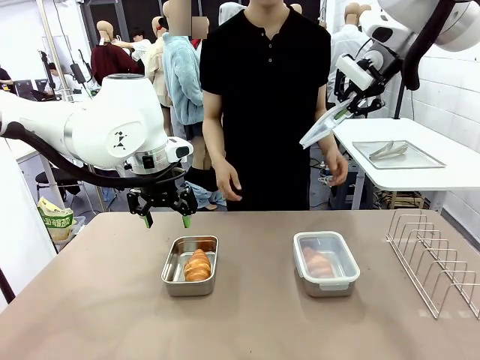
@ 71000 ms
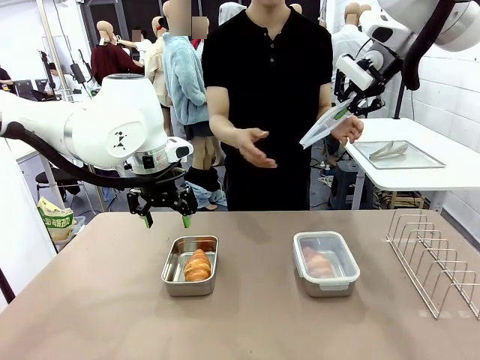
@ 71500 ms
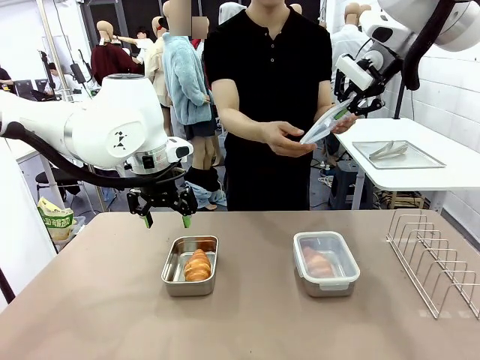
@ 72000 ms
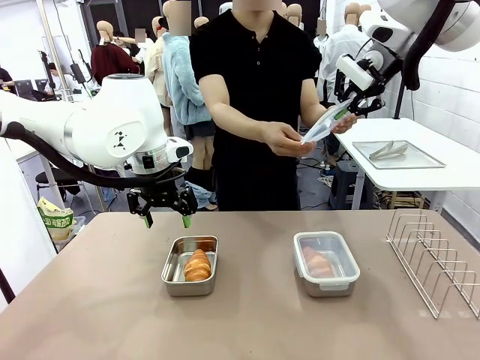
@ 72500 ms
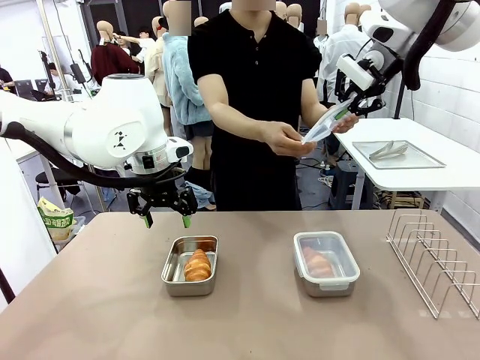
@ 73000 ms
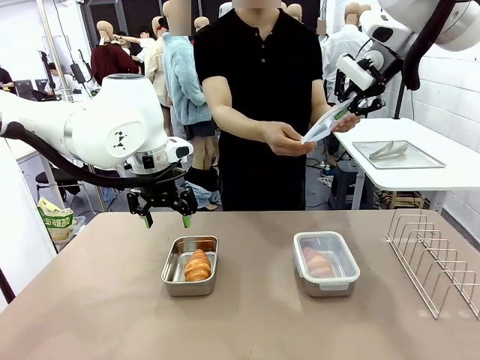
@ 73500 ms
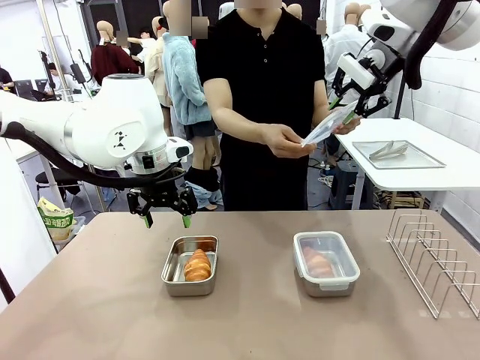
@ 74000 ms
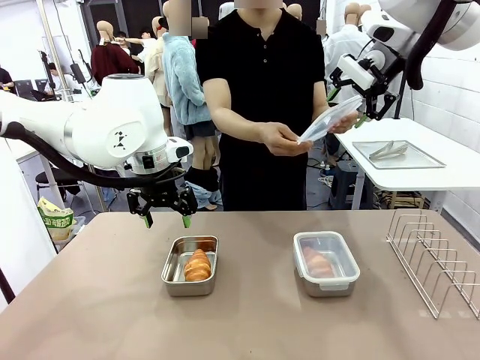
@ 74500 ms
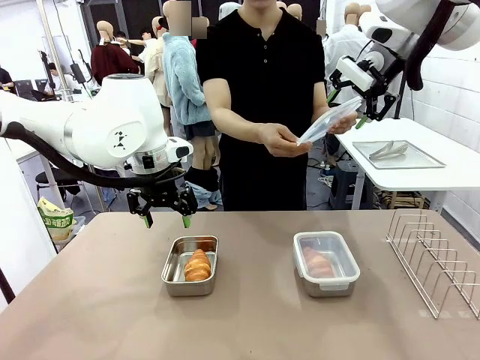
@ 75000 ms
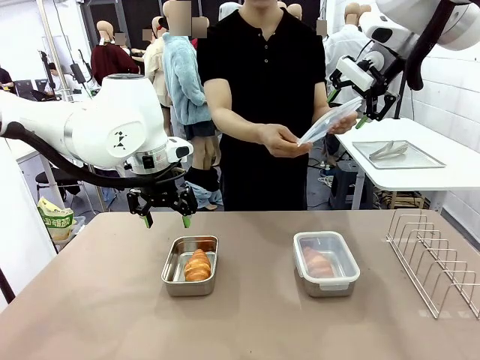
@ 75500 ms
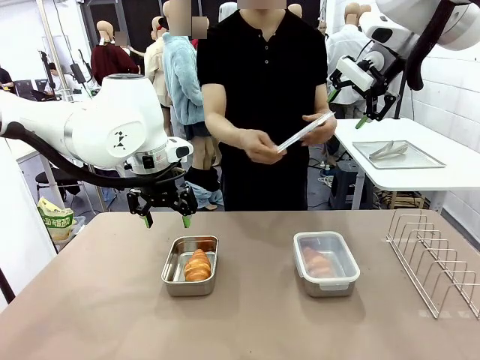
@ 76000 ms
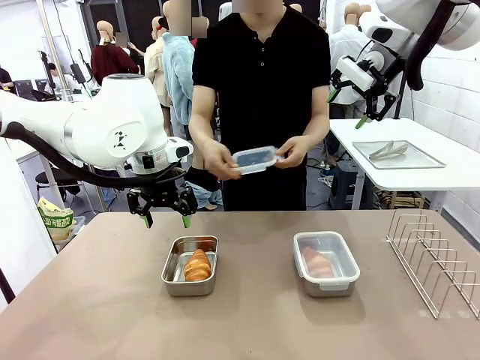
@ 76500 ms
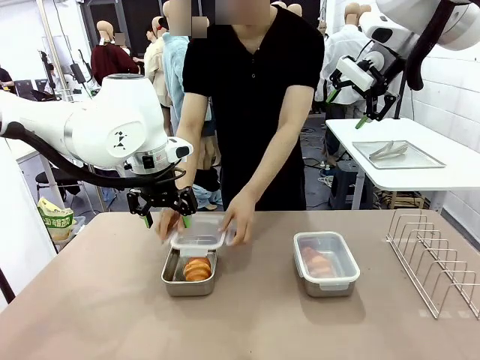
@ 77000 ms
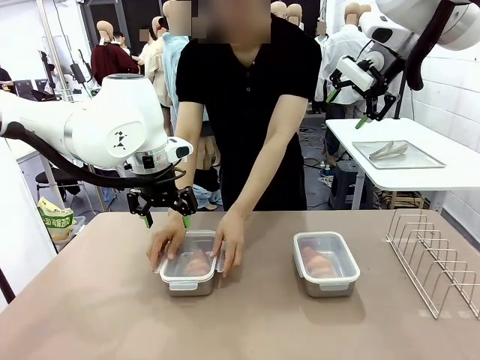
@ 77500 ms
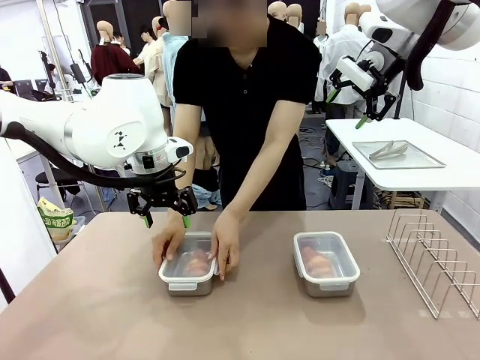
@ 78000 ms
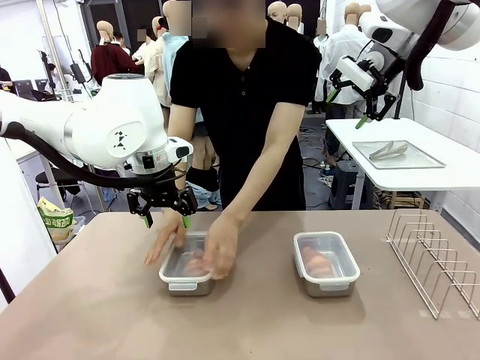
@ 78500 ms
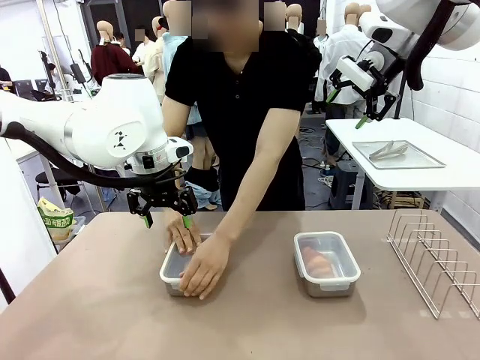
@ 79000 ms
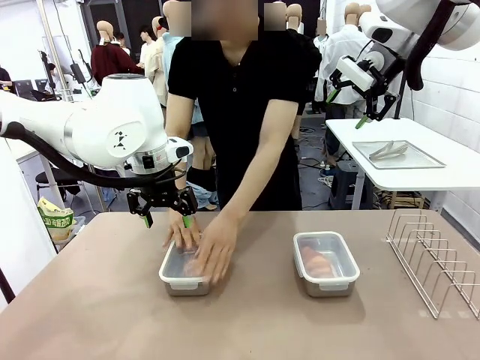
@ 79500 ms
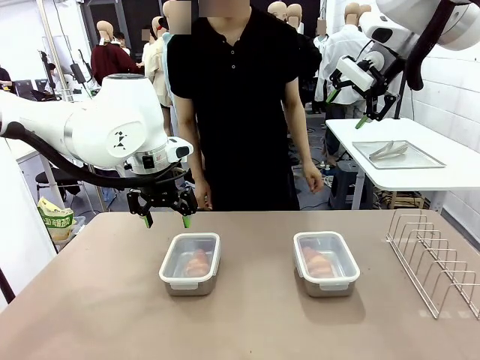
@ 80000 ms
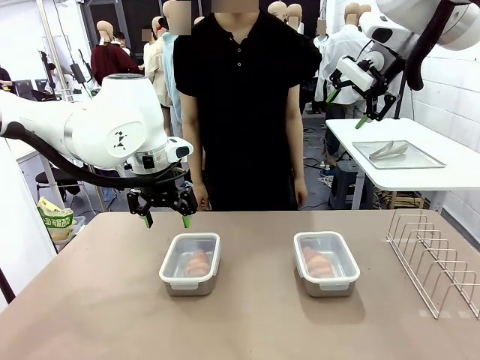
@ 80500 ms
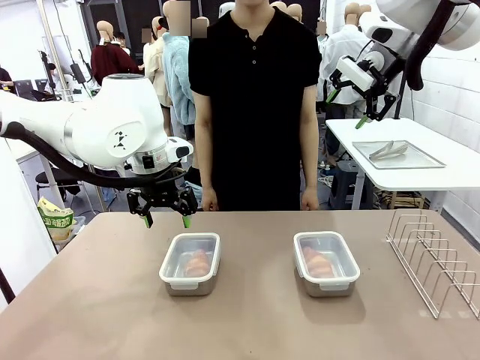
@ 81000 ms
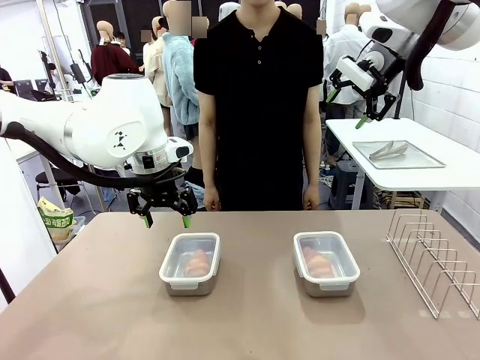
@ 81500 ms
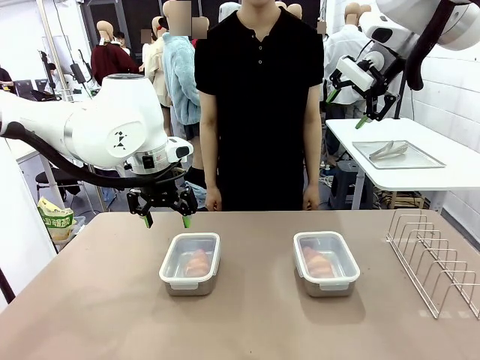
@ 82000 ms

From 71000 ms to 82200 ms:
Task: Place the bread in airtight containers.
Robot: Release when the human grabs the Airtight Container lid.
Person: Close Airtight Container with a handed Airtight Container lid.

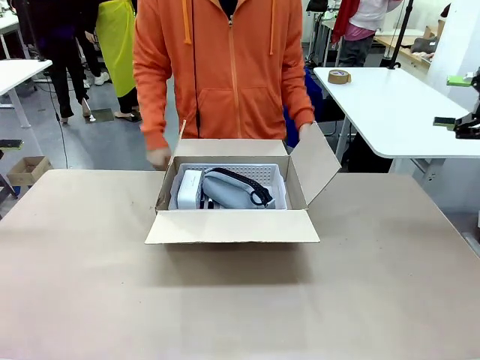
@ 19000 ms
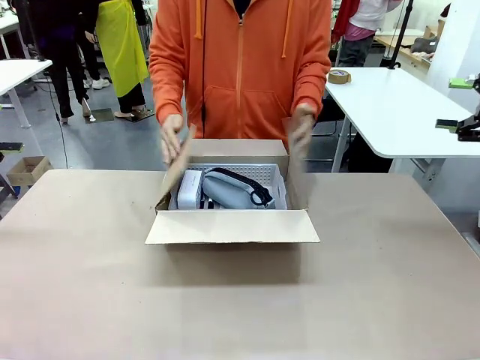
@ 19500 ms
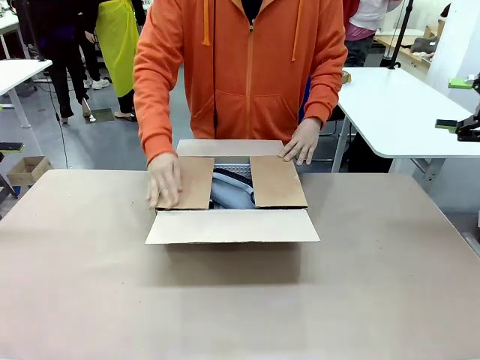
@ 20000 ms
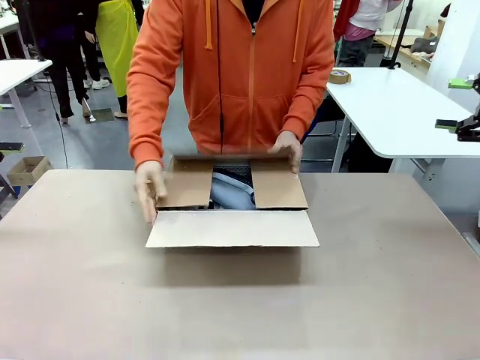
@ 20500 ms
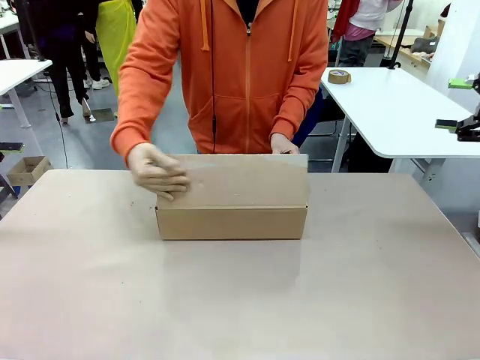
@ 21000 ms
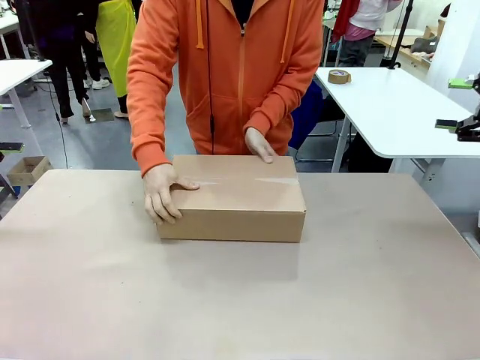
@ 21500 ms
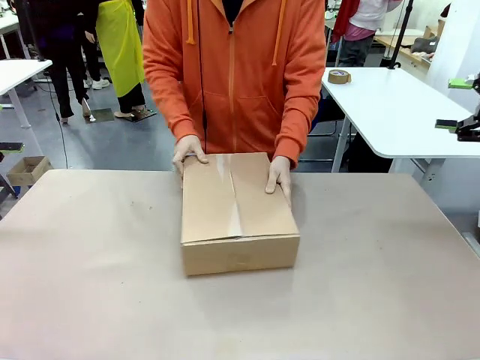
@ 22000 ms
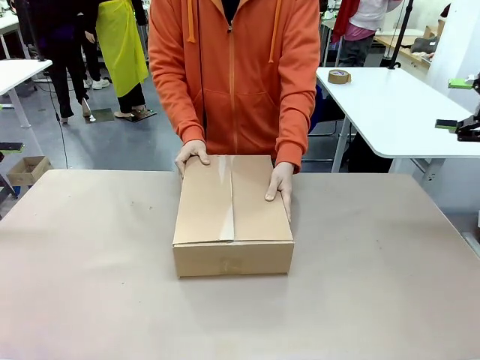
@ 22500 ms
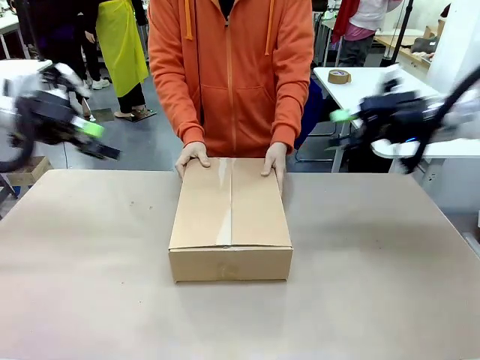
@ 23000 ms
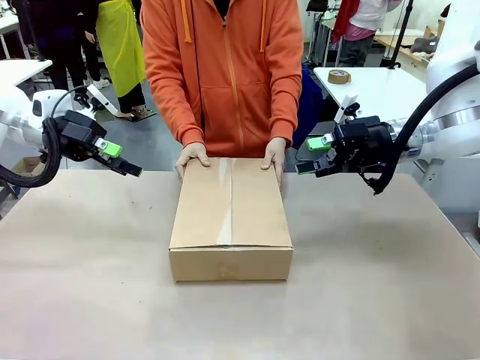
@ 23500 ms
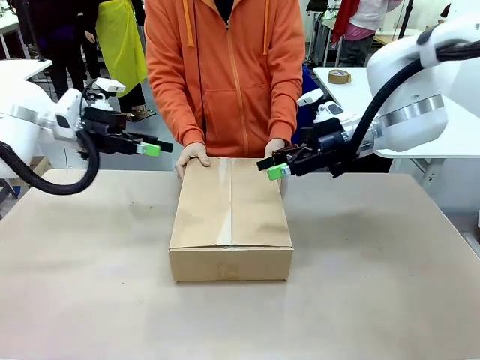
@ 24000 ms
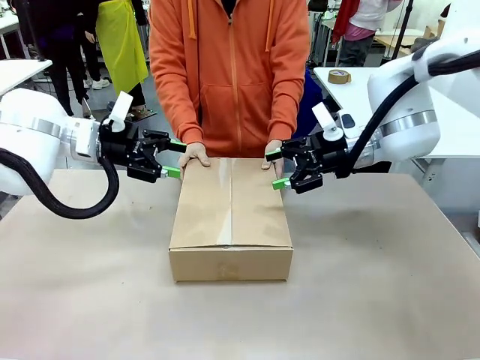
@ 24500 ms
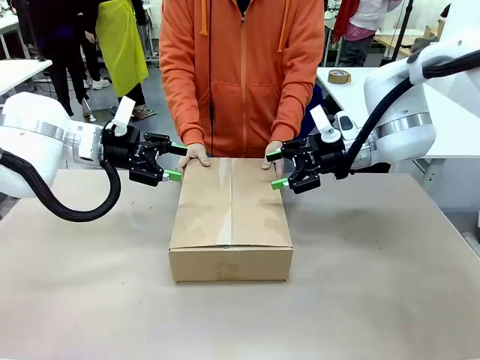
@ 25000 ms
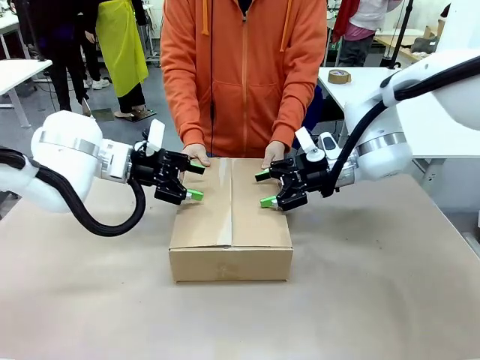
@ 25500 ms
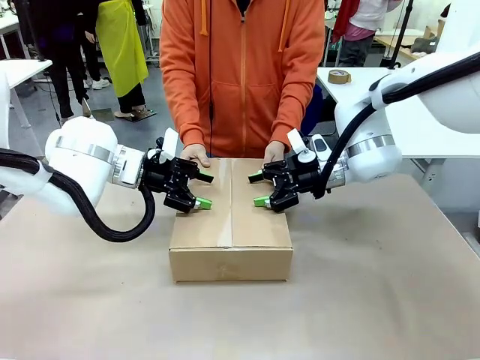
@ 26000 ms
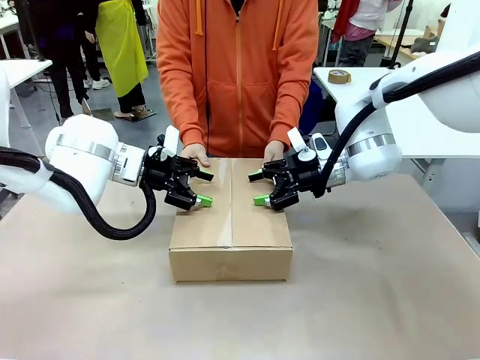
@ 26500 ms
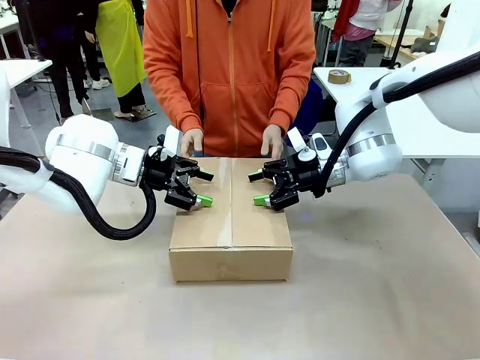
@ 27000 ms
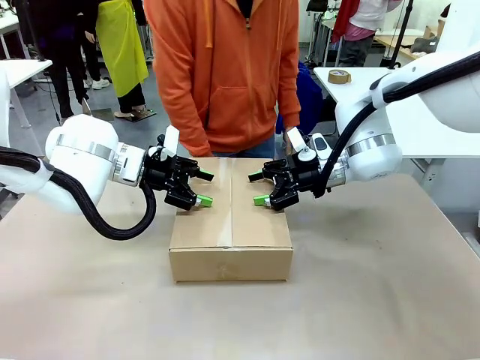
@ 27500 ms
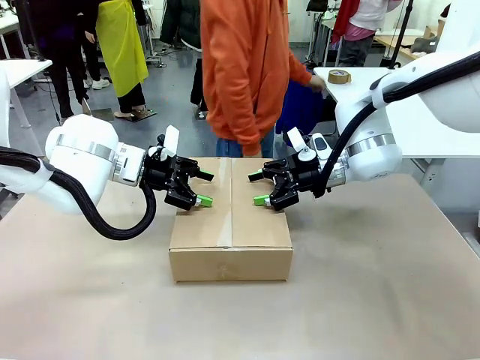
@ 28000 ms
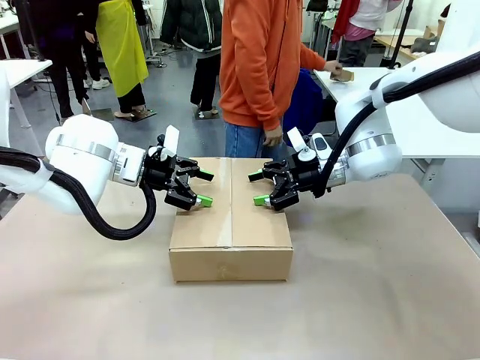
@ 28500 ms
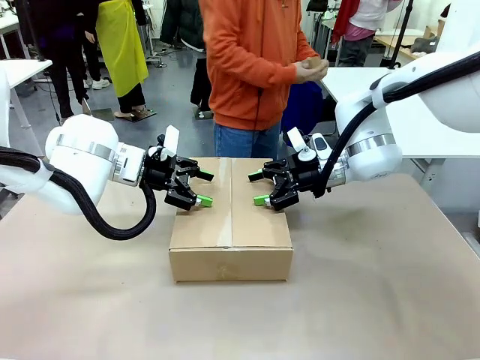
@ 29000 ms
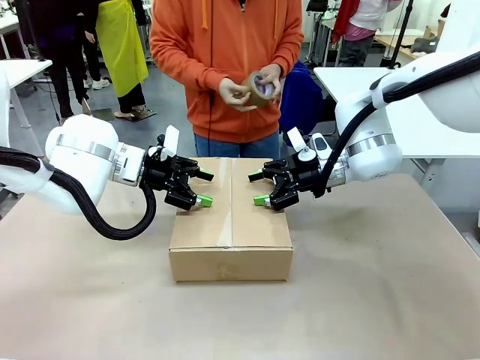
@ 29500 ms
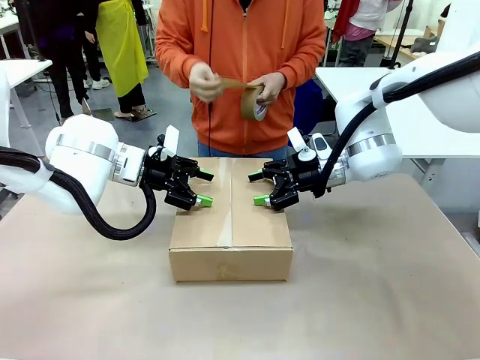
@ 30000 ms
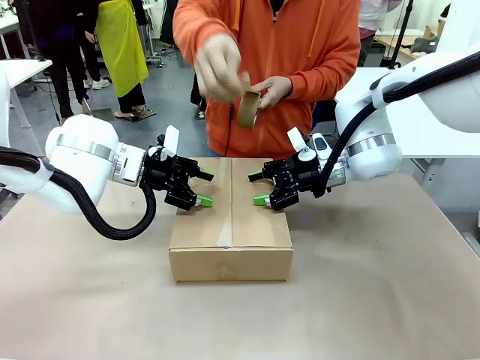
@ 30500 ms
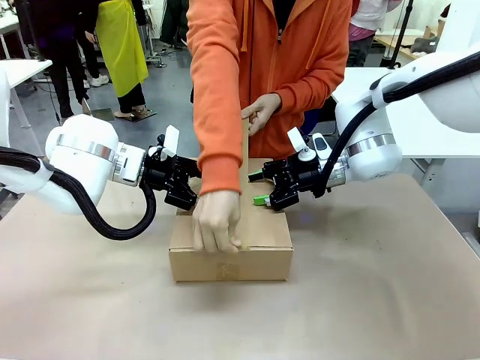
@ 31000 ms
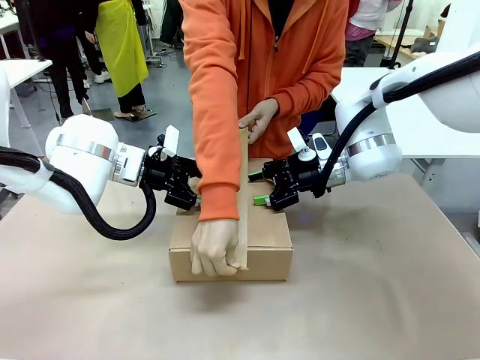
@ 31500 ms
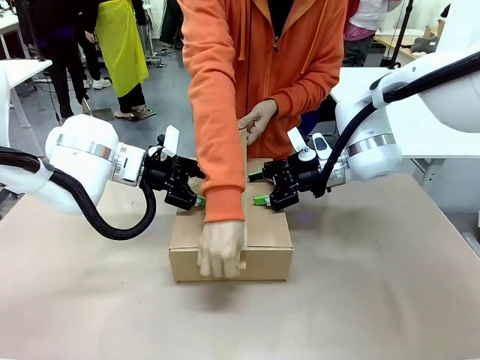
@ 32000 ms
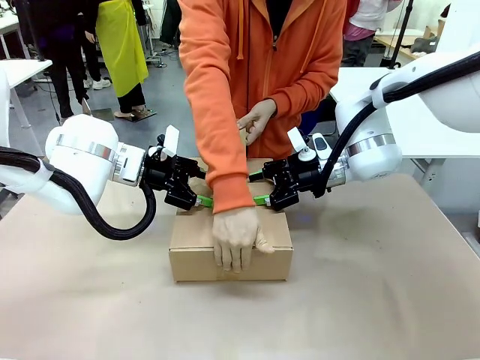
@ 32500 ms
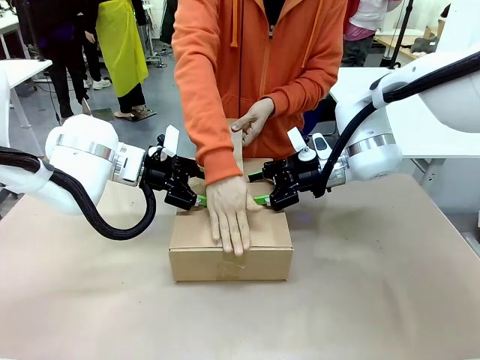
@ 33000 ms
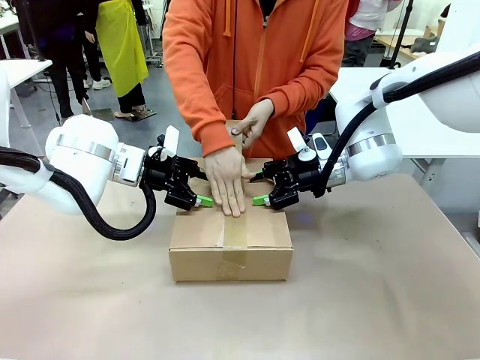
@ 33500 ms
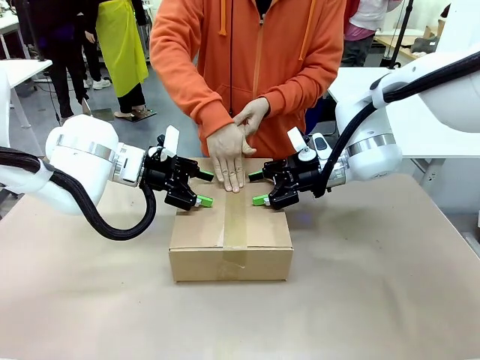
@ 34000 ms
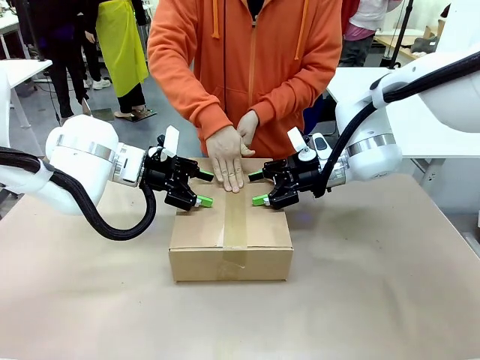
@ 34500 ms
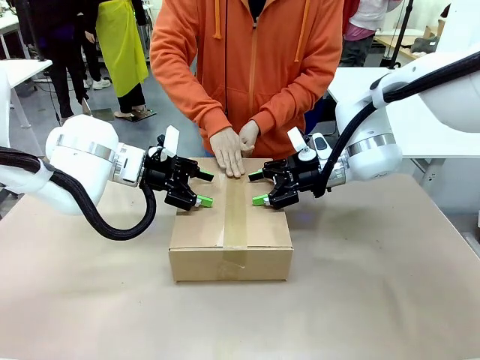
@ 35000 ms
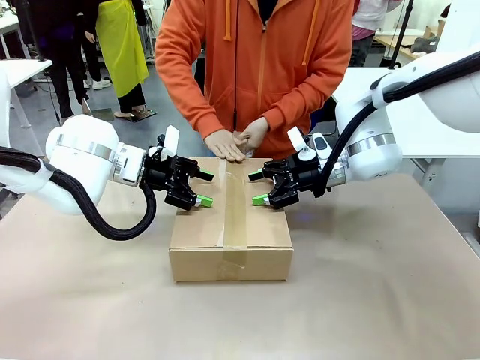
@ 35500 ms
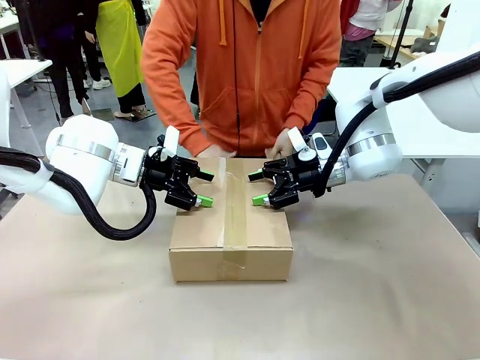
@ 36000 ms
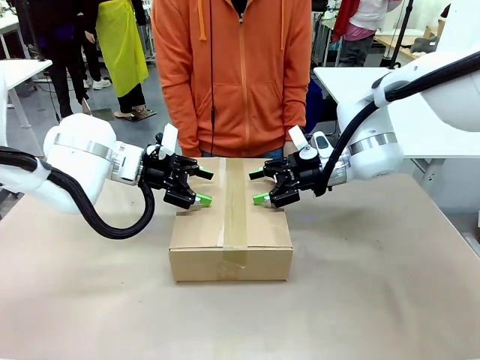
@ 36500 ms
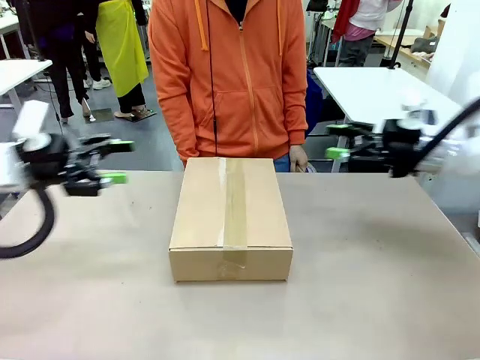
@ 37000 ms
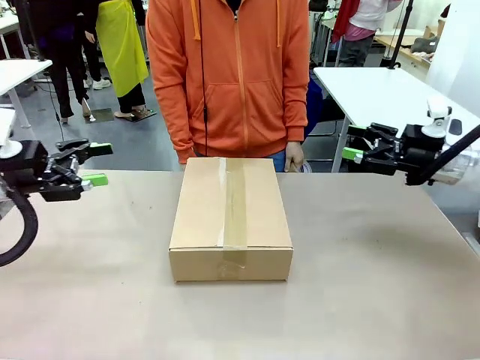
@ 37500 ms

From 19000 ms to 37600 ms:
Task: Pack the gift set into the box.
Robot: Press and hold the closed box until the human finishes sealing it.
Person: The human closes the box and rotates the box by 90 degrees. The human picks up the paper tape from the human table and packs the box.
